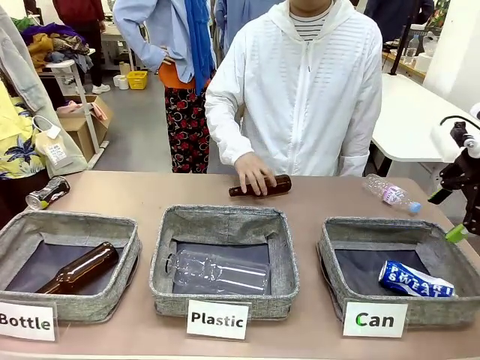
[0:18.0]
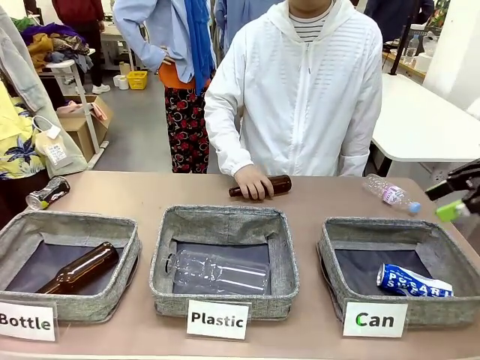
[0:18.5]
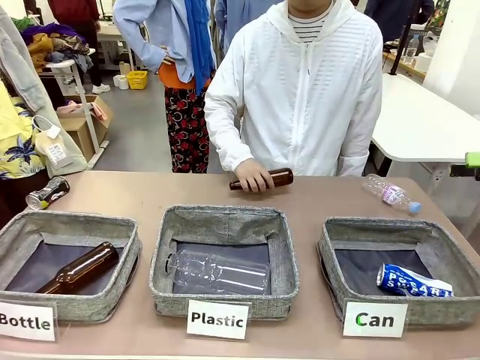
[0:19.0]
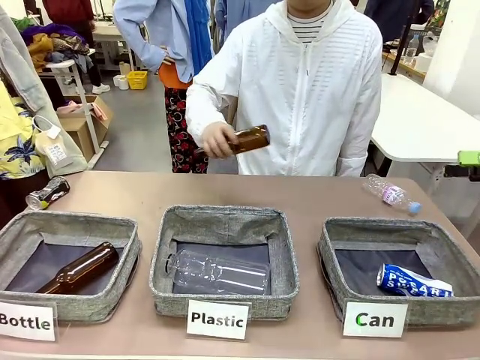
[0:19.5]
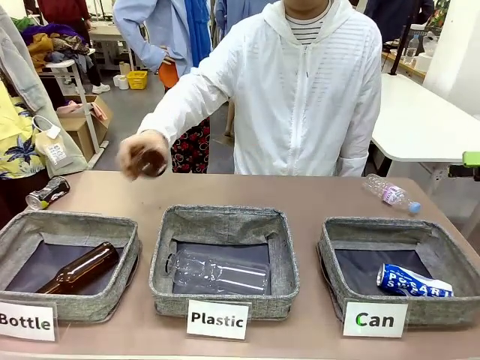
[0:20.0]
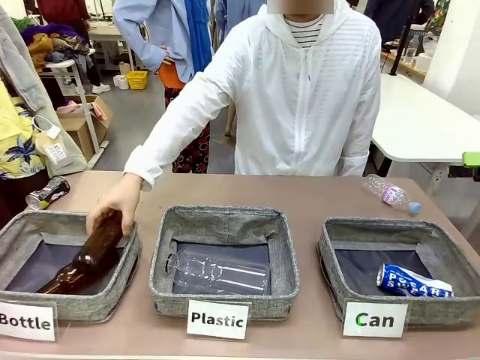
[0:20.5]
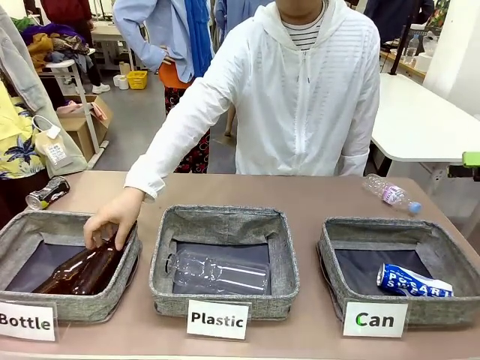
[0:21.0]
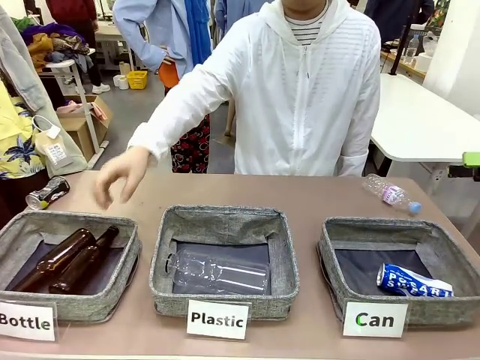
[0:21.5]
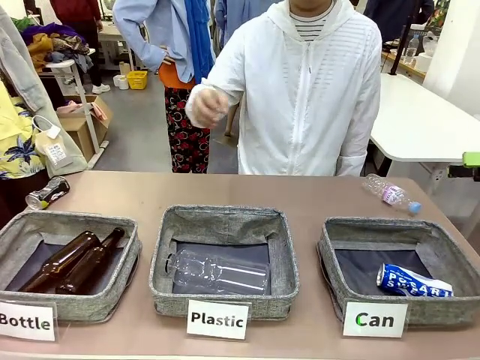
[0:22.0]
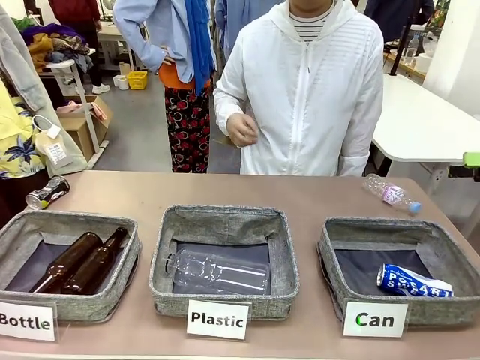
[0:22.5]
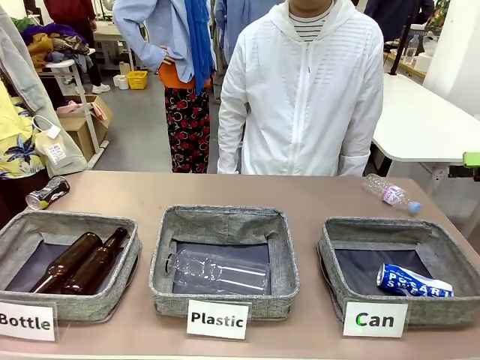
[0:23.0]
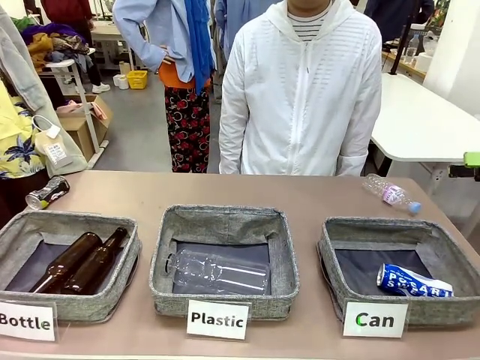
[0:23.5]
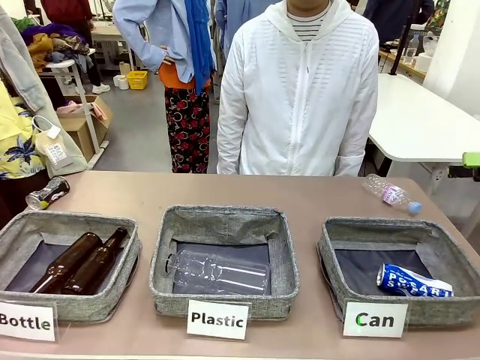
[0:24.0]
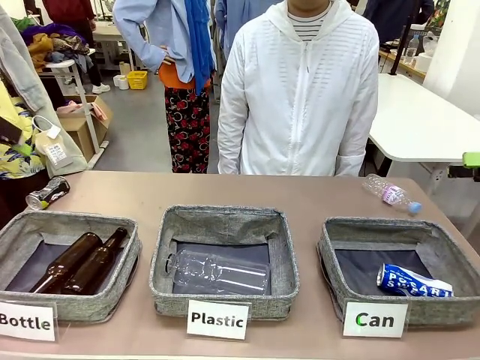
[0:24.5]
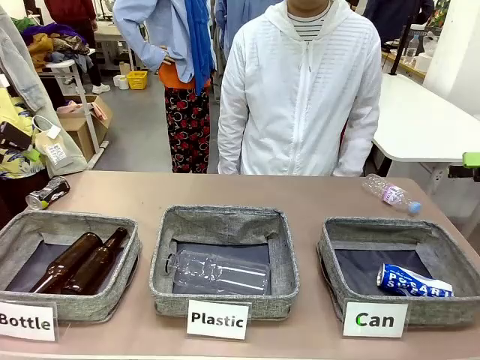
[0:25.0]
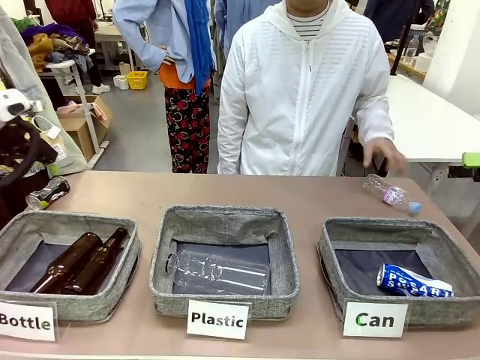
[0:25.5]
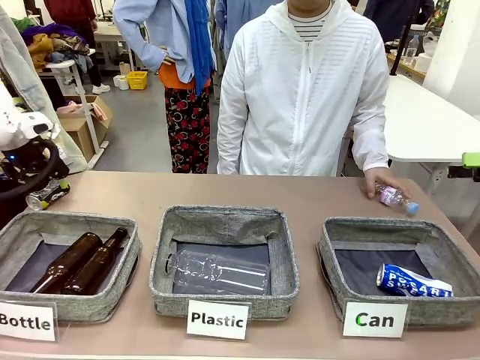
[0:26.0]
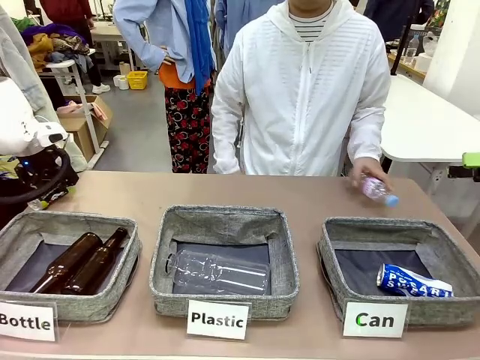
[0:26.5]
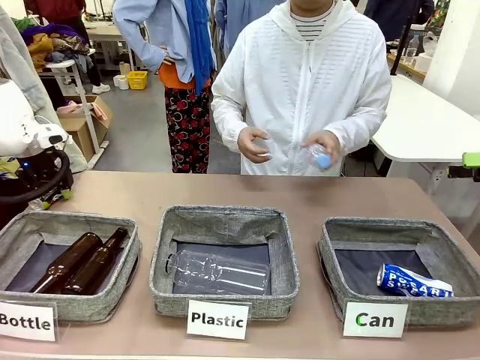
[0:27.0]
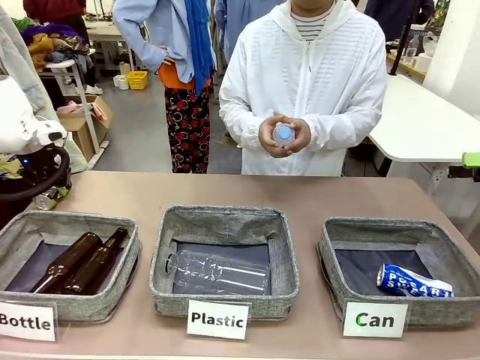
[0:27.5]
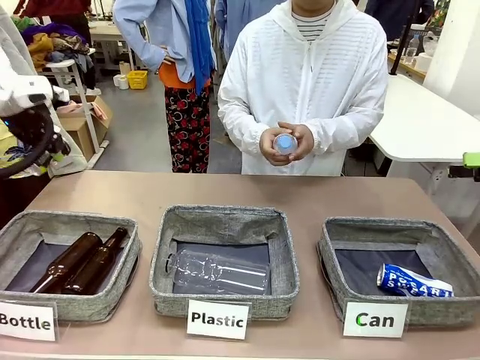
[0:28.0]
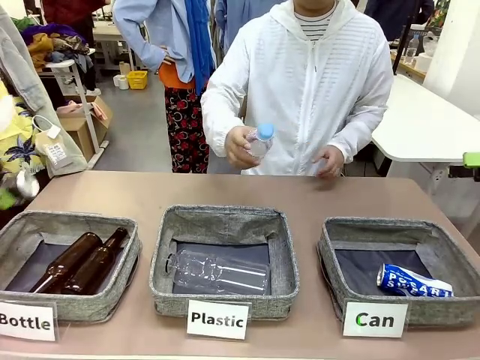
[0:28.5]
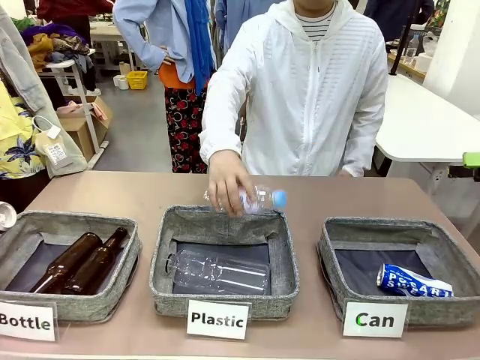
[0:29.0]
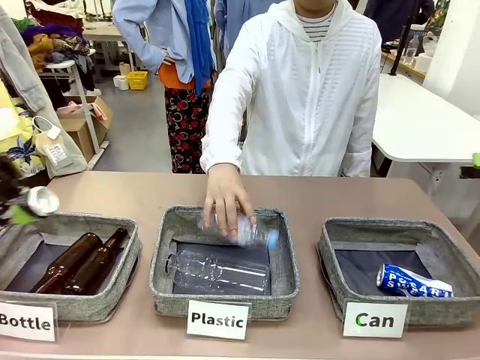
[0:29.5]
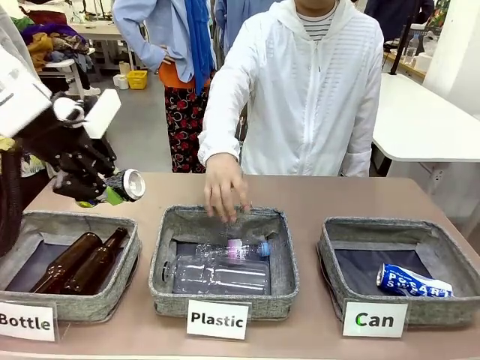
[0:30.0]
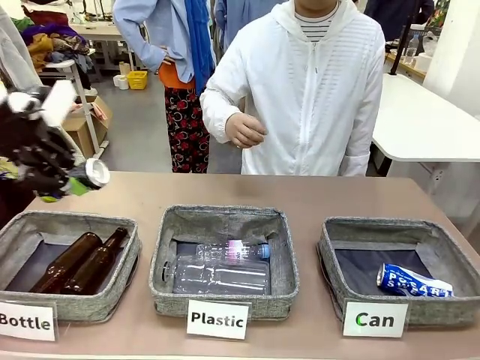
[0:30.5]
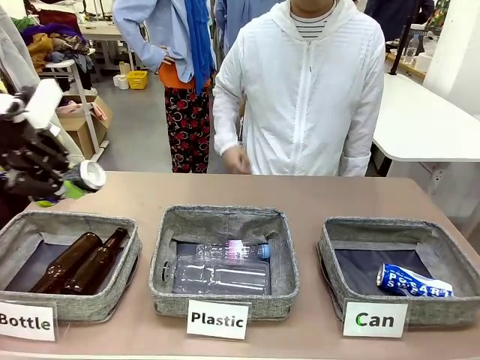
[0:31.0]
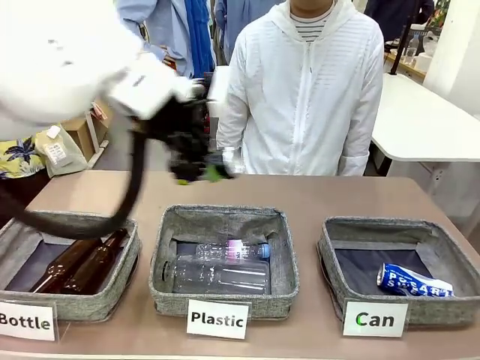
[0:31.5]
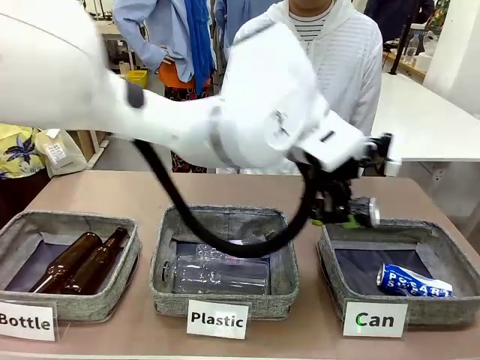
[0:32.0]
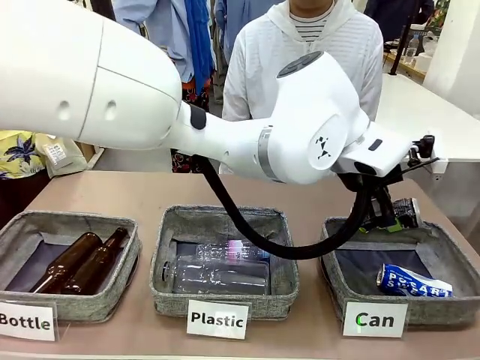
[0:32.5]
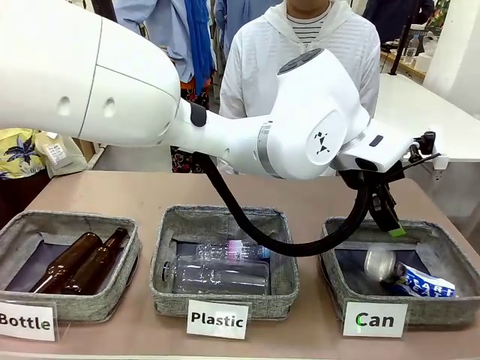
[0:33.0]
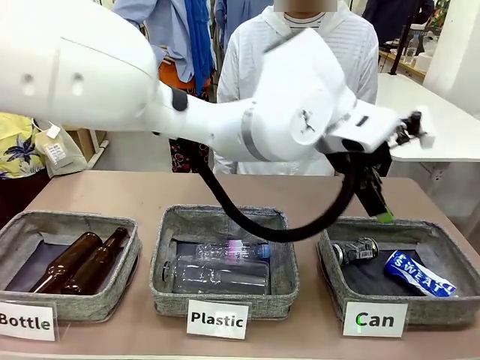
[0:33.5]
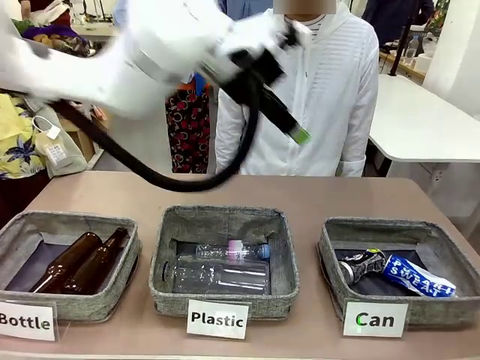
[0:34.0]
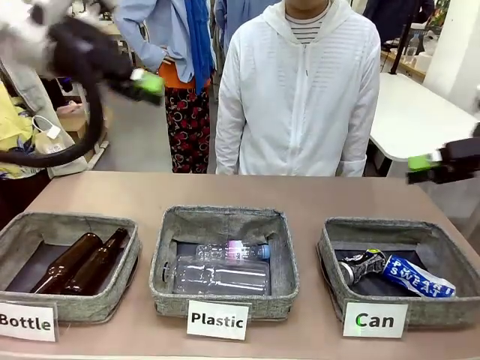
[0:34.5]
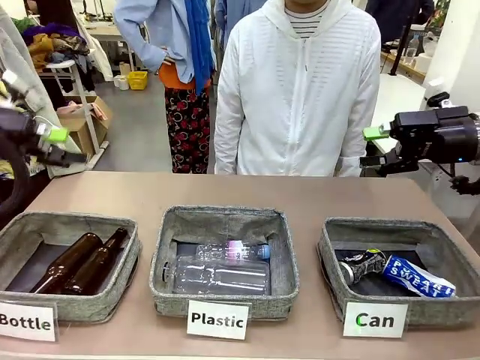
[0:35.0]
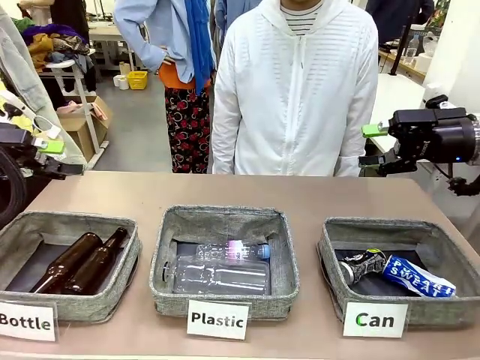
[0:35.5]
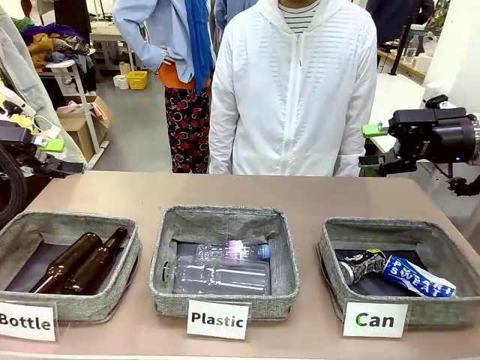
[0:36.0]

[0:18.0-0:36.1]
Task: Sort the can waste into the basket.
Robot: Pick up the can waste from the table and place it in the right Fabric basket.
Person: The human picks up one piece of trash that is not a can and places the trash into the appropriate organizing basket.
